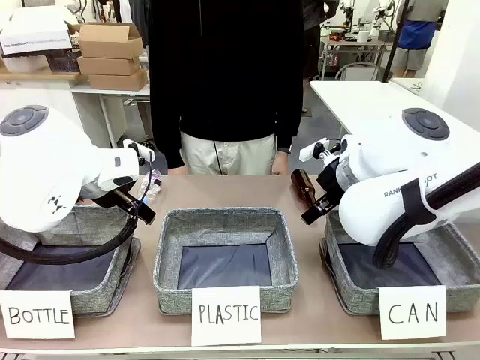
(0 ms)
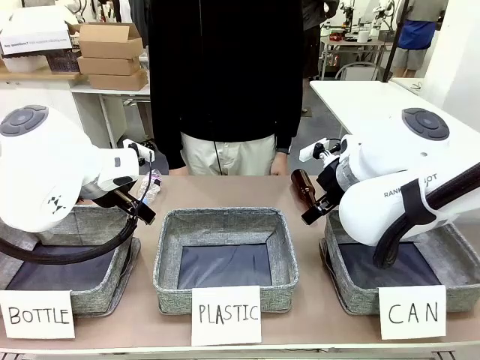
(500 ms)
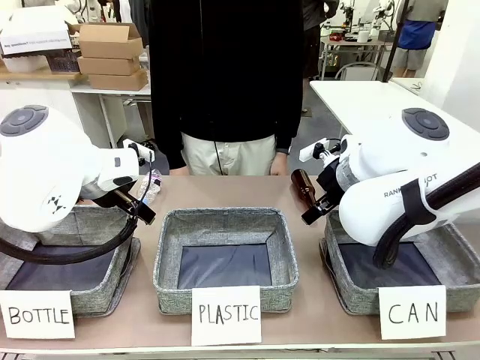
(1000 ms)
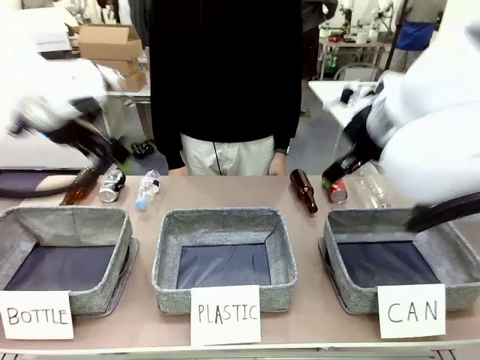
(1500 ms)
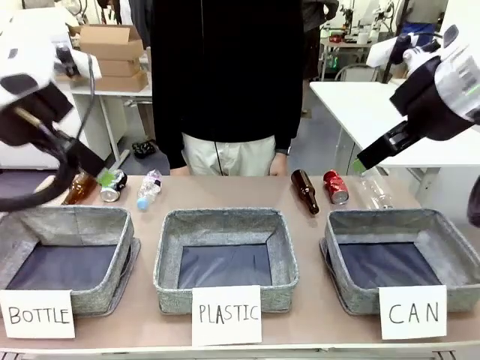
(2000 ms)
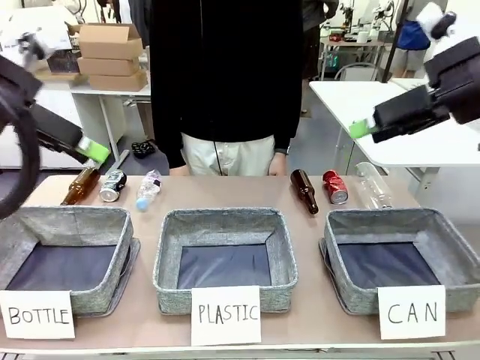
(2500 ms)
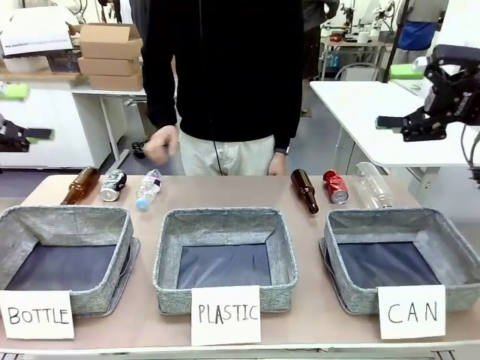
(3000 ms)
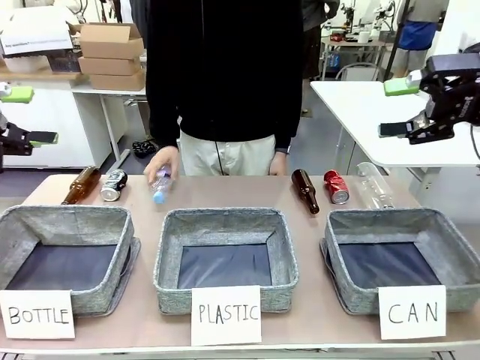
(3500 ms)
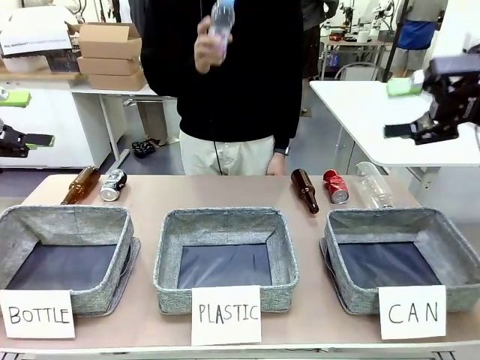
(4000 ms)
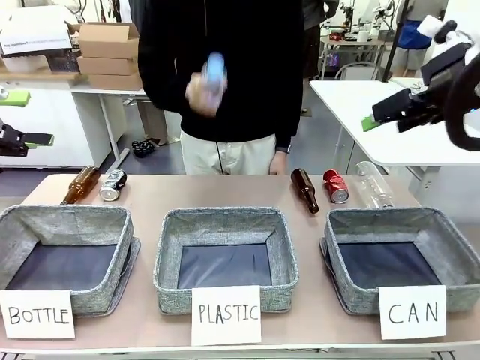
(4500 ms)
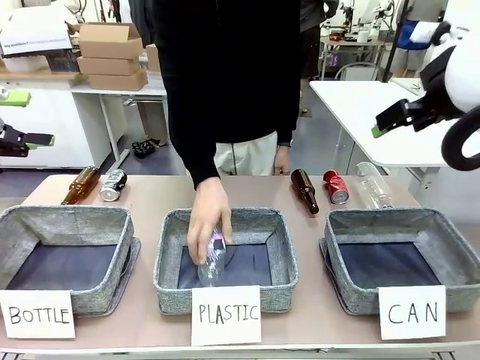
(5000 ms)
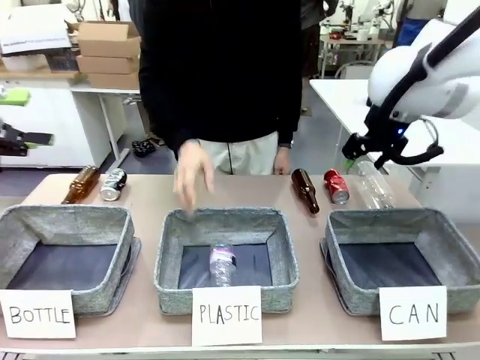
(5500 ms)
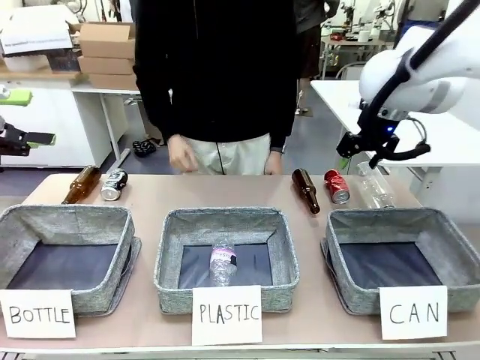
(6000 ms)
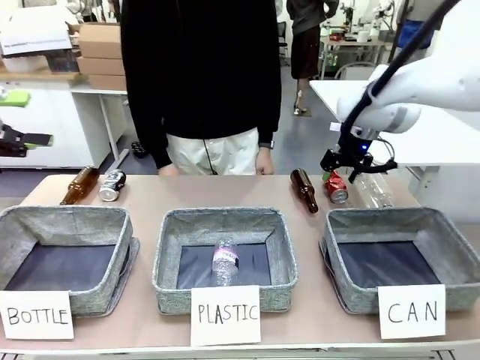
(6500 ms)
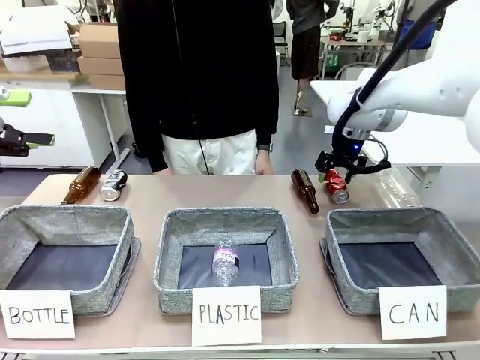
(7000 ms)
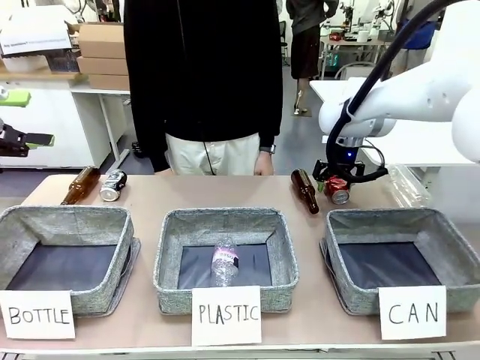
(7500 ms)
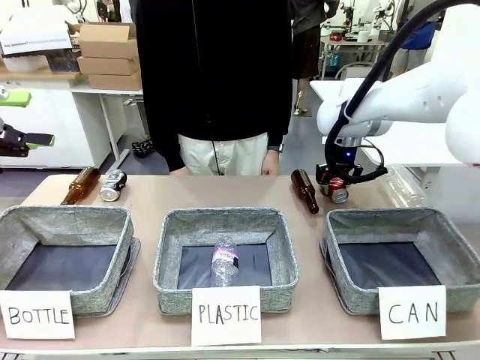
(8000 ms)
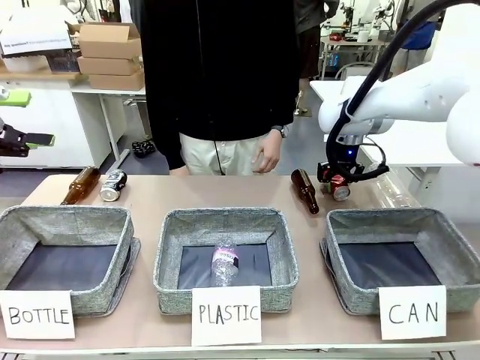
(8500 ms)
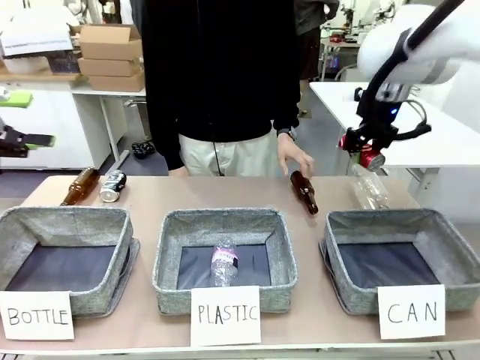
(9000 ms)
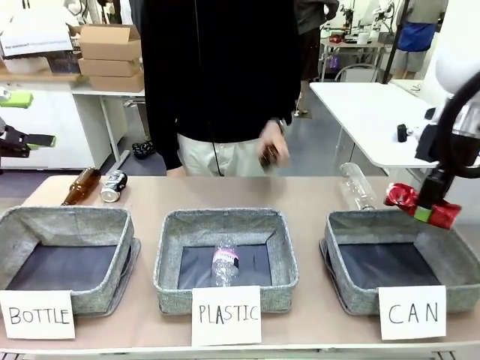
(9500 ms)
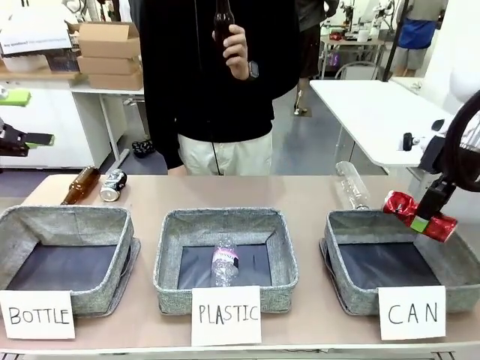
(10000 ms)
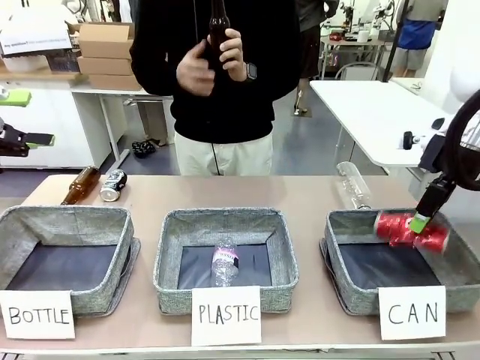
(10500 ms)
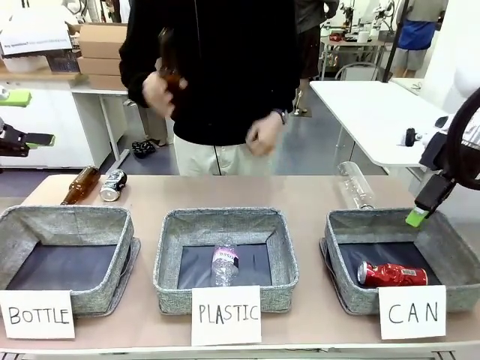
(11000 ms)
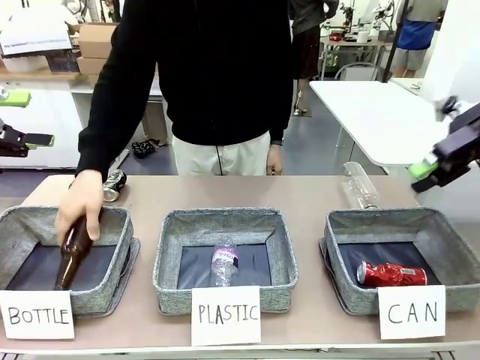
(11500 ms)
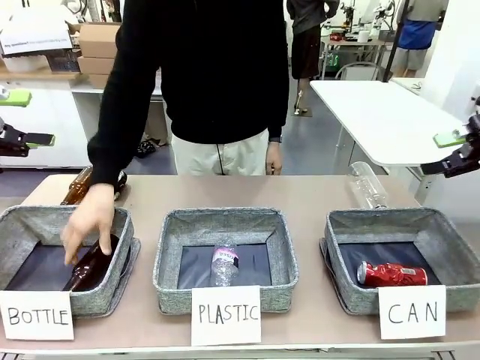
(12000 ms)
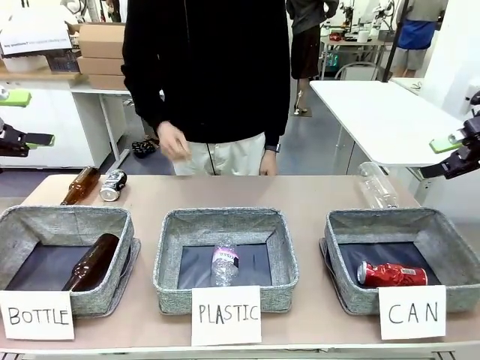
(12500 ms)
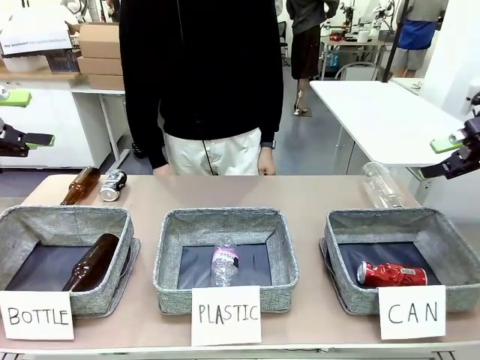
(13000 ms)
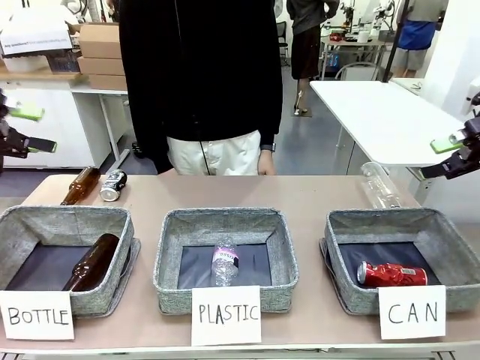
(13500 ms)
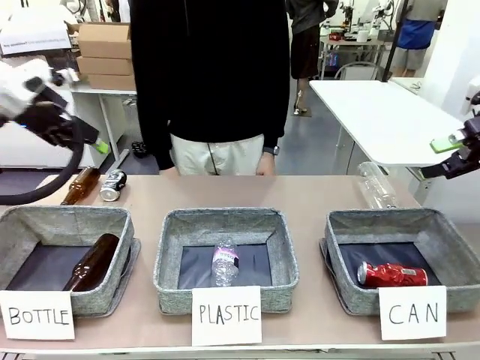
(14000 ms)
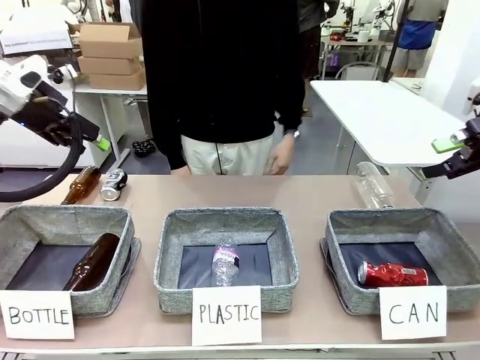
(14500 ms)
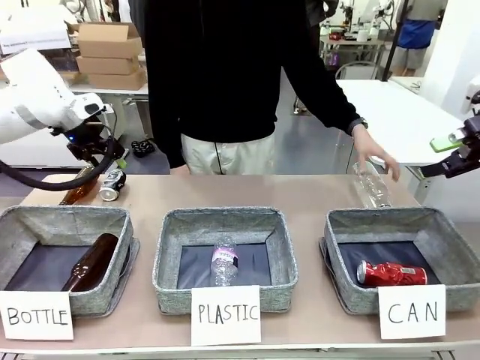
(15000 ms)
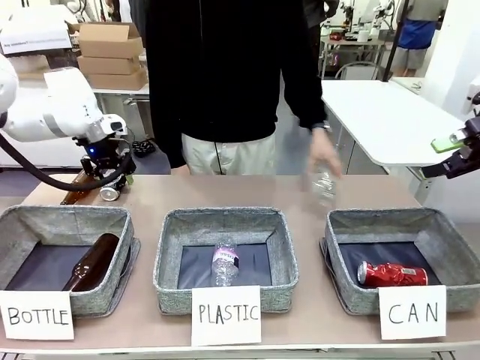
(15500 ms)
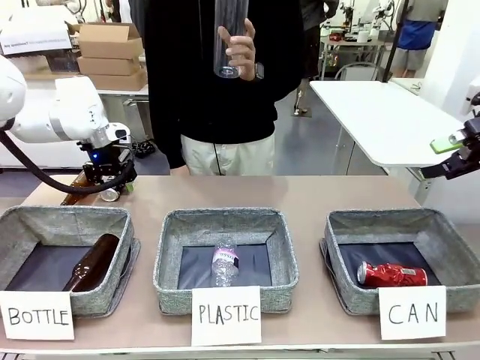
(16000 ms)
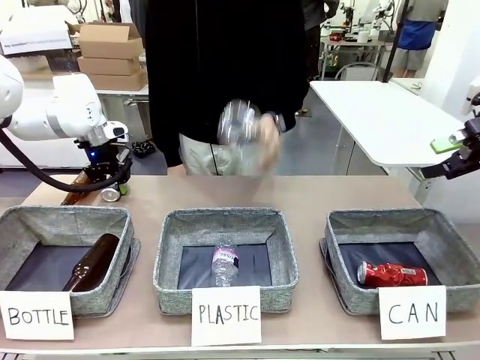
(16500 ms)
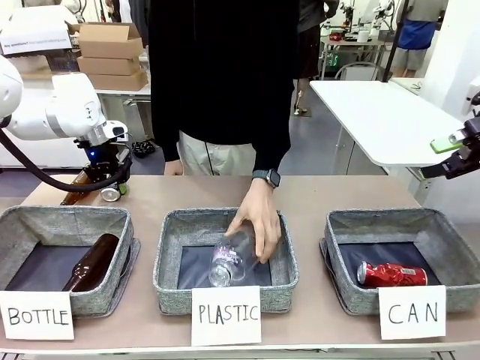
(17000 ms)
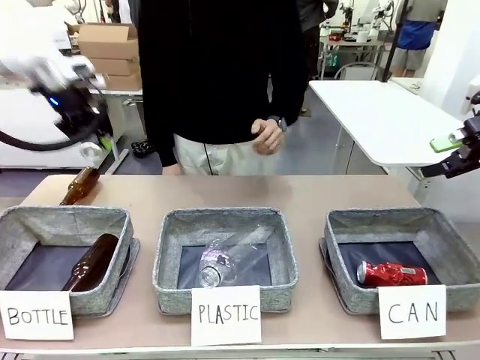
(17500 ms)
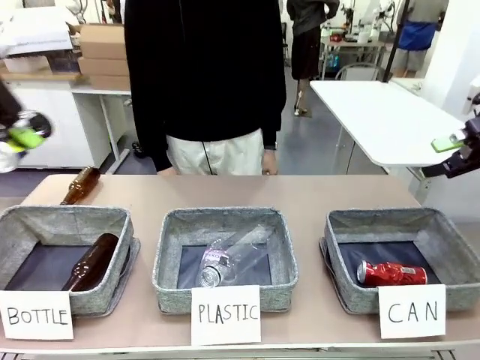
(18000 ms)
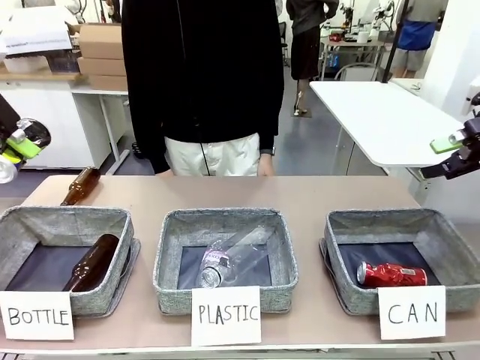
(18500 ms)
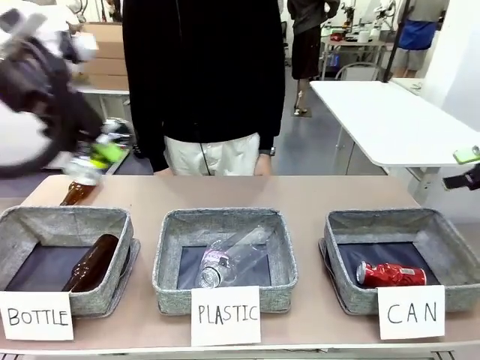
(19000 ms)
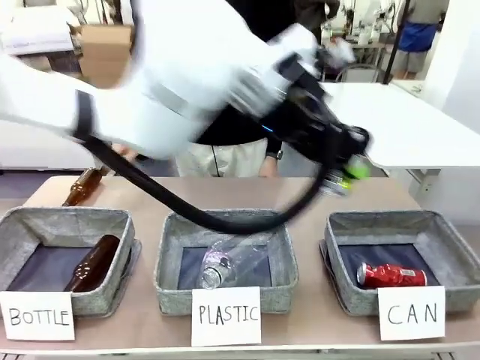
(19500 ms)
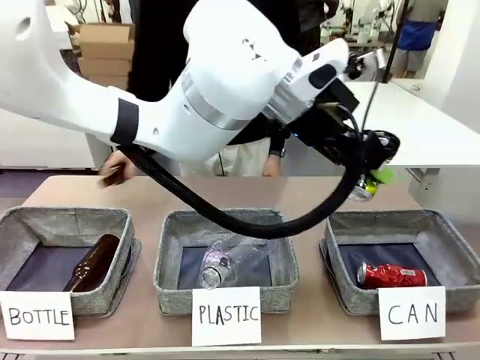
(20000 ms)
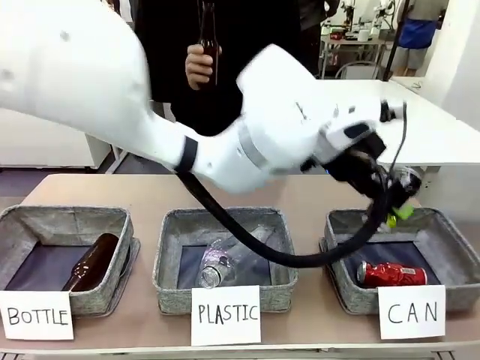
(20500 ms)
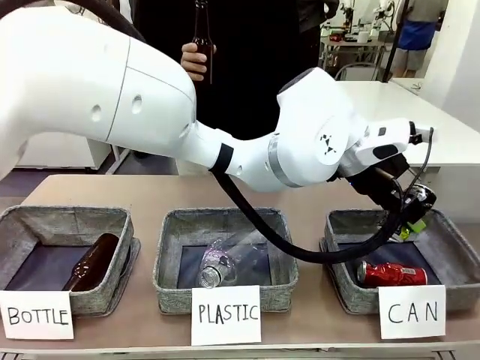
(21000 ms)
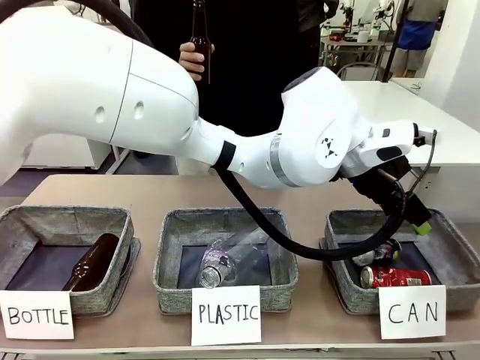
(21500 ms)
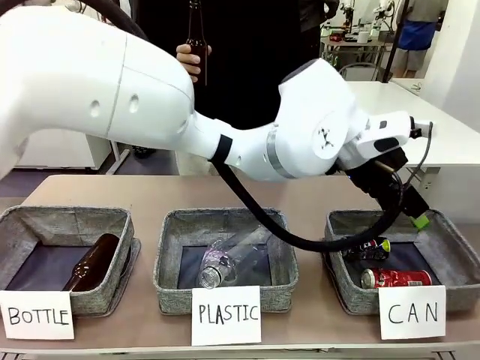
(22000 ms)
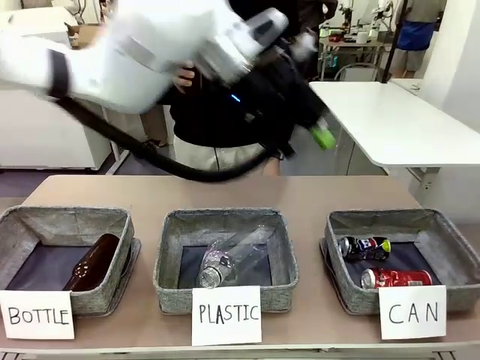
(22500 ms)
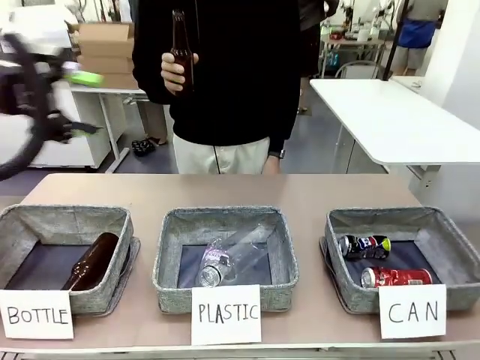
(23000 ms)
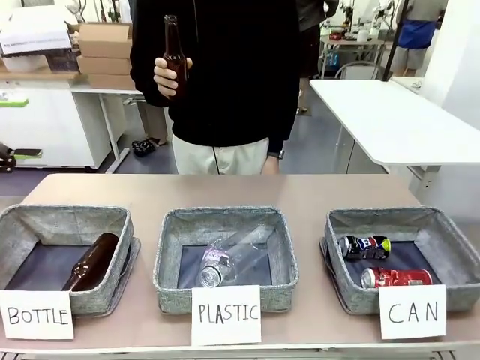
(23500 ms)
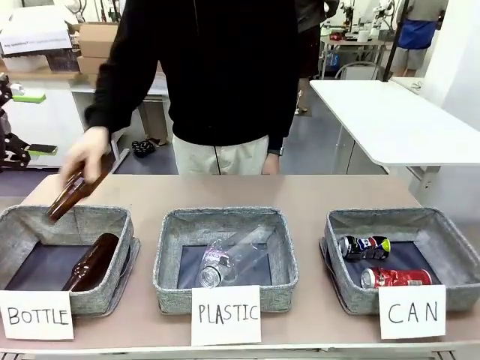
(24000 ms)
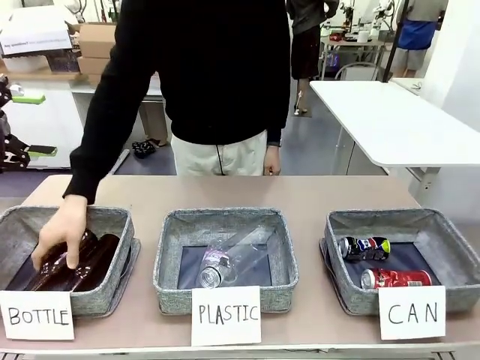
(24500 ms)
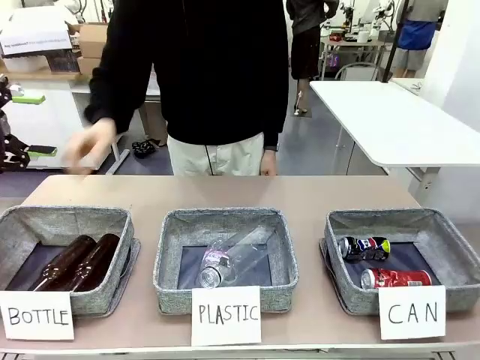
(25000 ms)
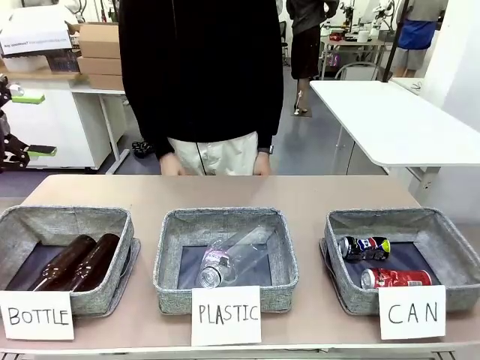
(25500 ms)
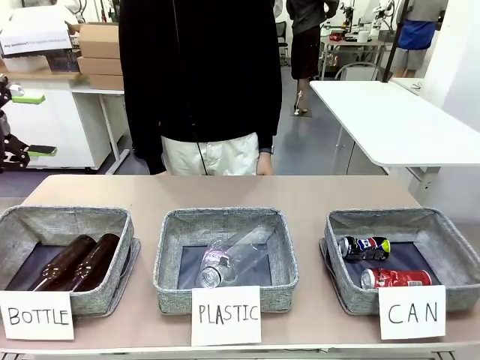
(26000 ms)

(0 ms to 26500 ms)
Task: Sort the can waste into the basket.
Robot: Pick up the can waste from the table and place it in the right Fabric basket.
Person: The human picks up one piece of trash that is not a can and places the trash into the appropriate organizing basket.
